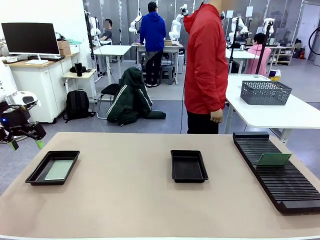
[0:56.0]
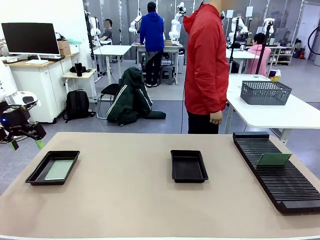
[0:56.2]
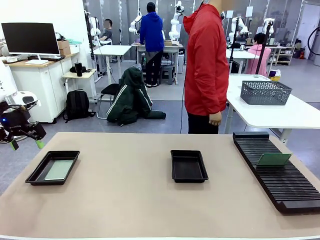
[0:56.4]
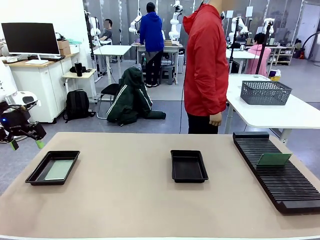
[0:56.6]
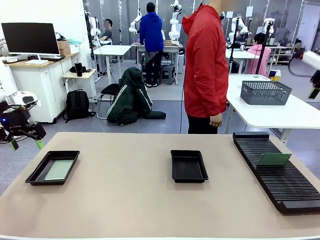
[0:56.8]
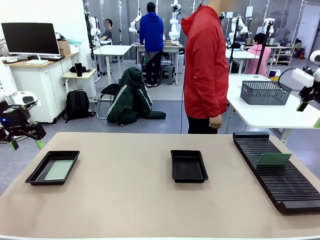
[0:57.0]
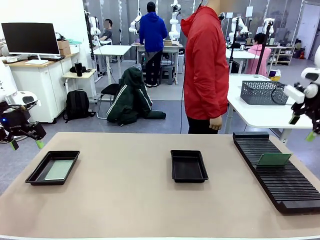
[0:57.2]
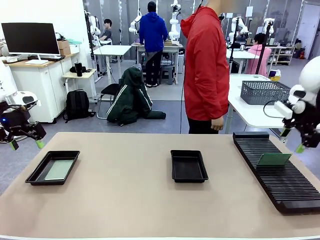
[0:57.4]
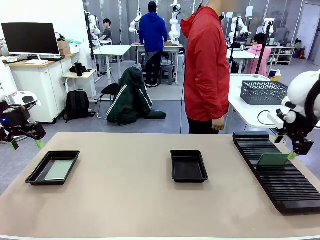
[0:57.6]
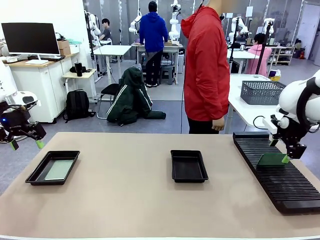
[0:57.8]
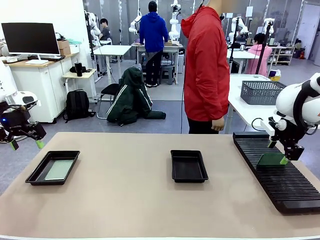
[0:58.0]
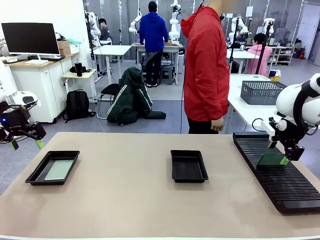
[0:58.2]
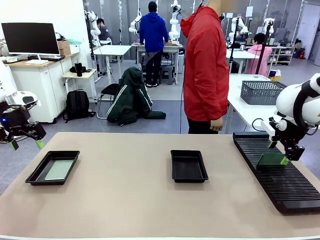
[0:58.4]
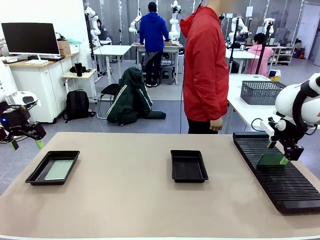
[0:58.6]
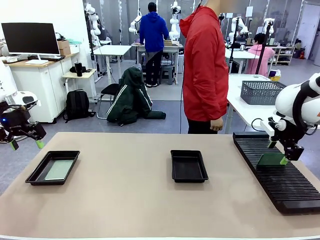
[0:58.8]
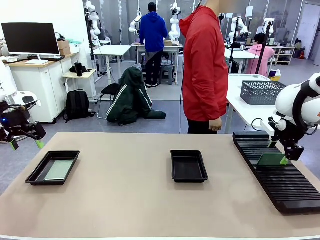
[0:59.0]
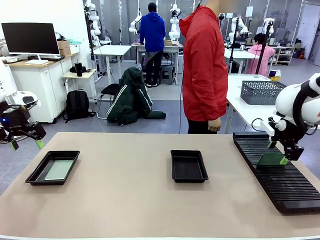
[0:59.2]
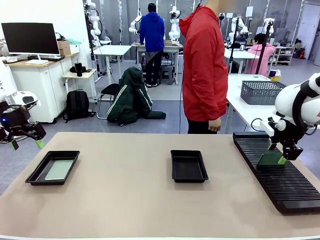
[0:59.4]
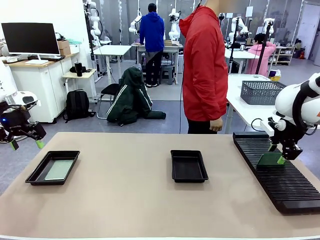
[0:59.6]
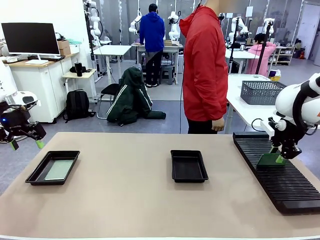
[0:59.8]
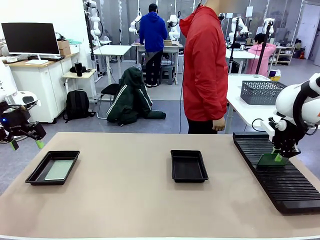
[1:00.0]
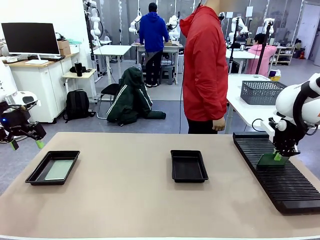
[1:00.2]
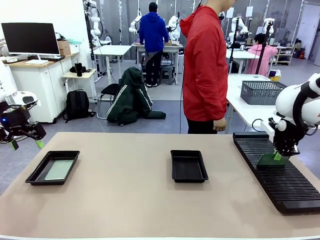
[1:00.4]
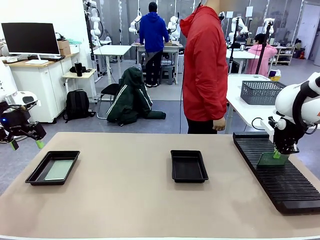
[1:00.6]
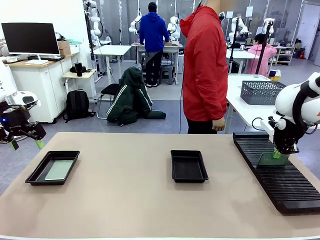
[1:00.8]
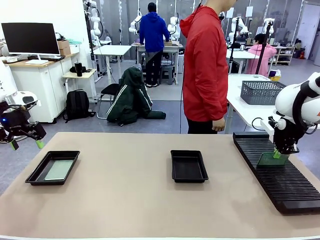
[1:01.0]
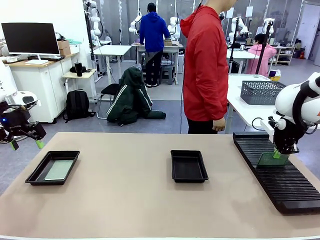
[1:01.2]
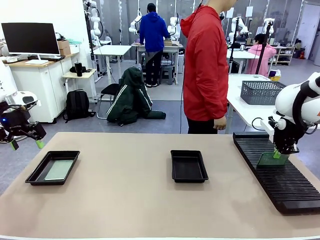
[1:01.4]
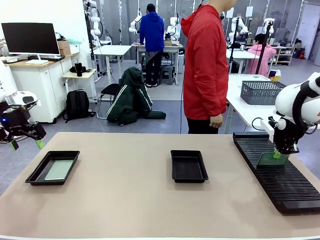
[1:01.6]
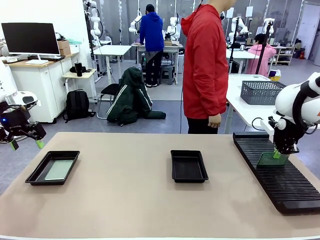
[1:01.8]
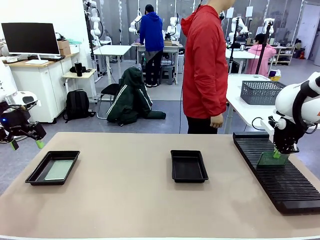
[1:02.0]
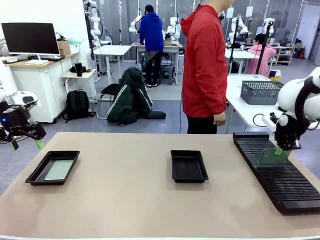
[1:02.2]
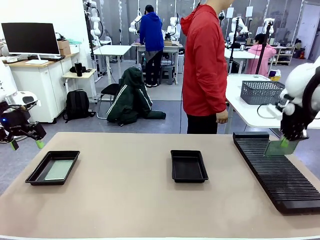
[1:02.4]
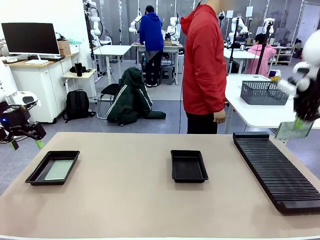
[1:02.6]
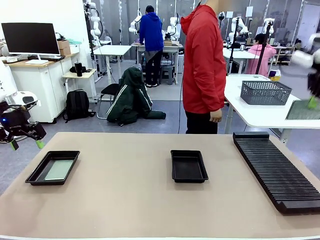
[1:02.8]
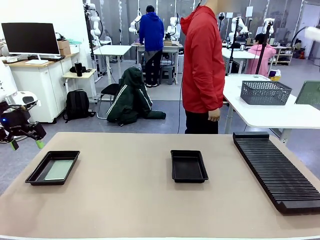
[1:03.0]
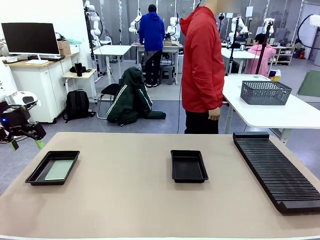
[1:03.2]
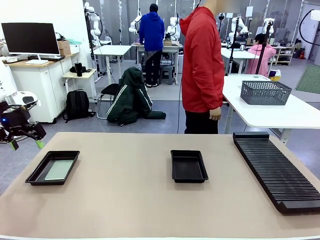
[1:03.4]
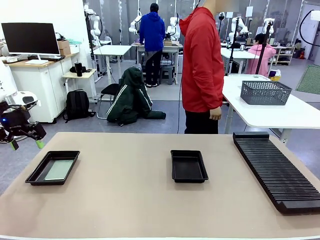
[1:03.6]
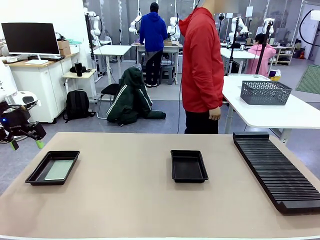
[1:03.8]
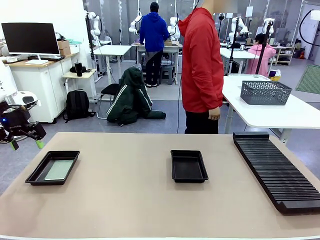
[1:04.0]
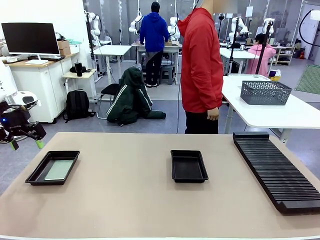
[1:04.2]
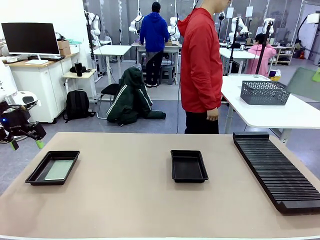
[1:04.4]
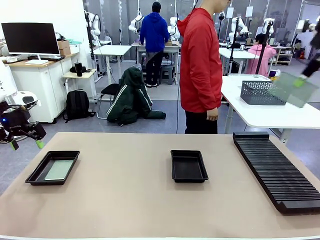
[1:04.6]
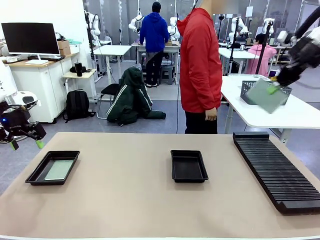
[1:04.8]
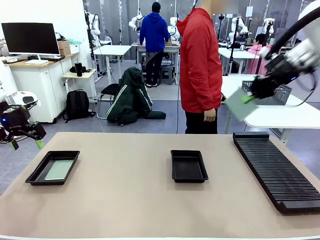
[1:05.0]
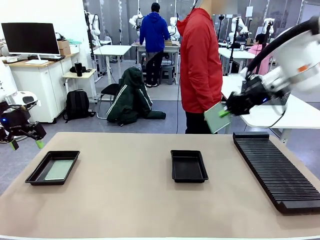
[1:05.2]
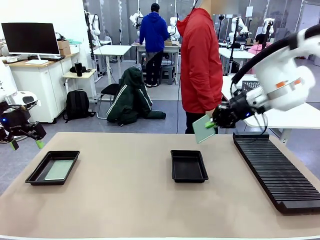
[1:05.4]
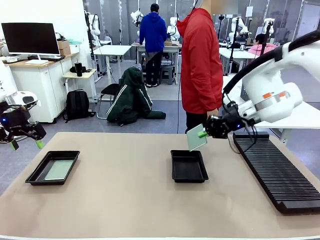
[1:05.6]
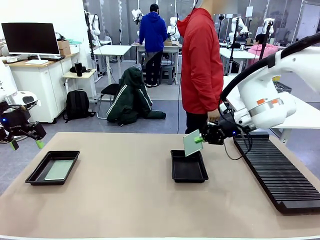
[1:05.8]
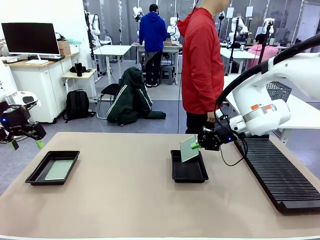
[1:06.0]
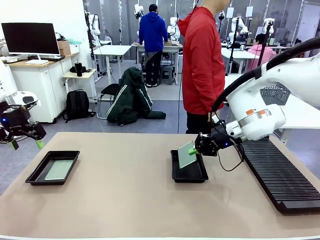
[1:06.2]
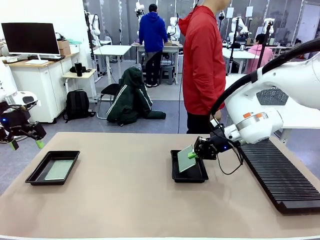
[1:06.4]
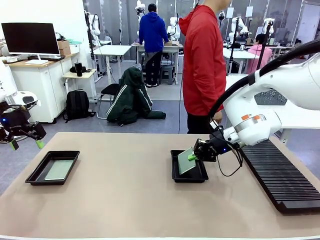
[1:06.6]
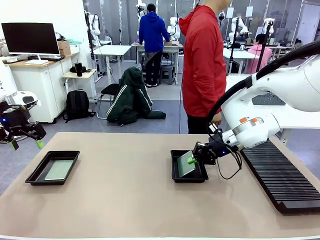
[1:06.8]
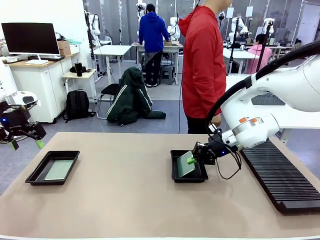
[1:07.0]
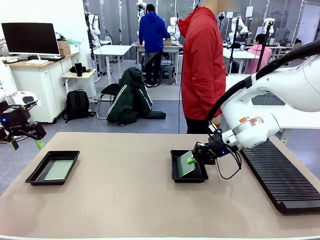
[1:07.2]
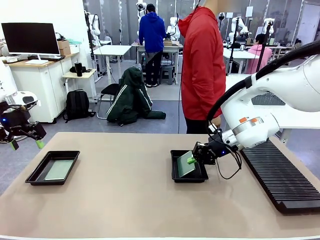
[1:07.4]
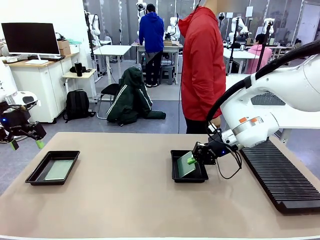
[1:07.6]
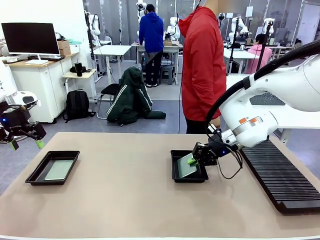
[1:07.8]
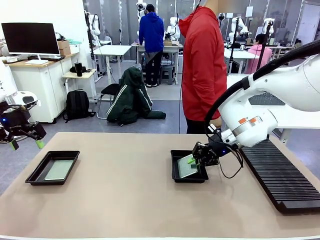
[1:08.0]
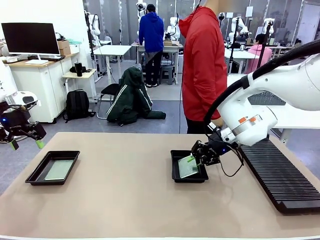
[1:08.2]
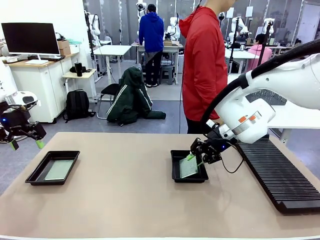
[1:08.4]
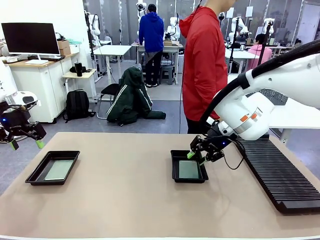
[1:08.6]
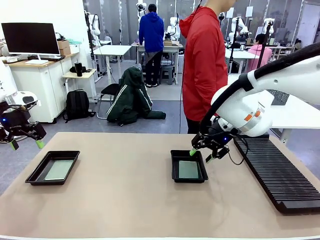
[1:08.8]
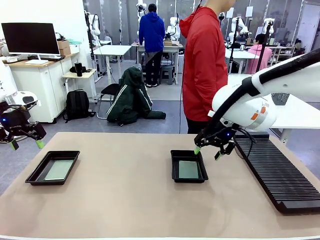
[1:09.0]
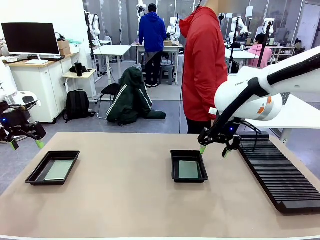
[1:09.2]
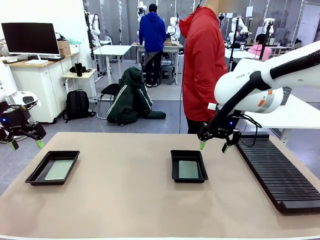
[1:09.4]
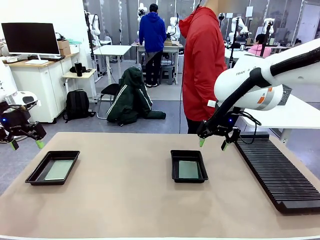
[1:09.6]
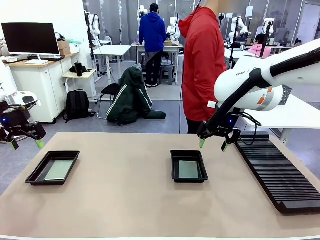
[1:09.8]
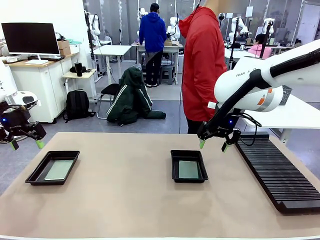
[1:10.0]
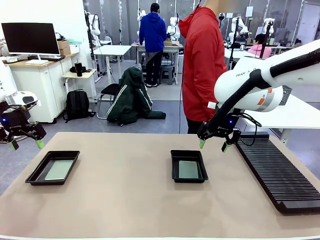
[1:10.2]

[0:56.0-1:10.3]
Task: Inspect and transfer BCBs to ESD trays.
Robot: Pick up the Blank PCB from the PCB Rack and place it in the right ESD tray.
